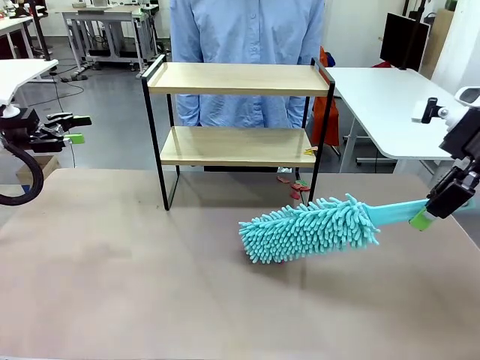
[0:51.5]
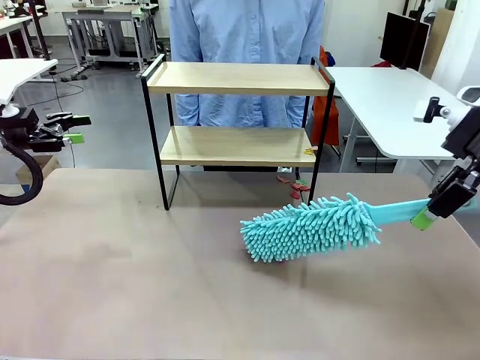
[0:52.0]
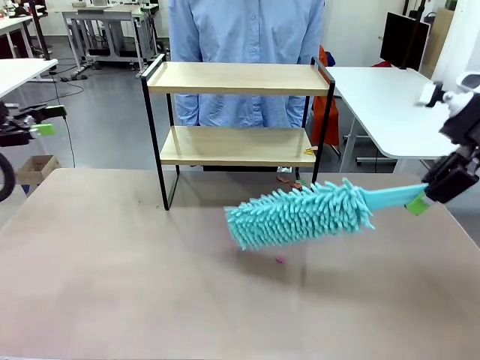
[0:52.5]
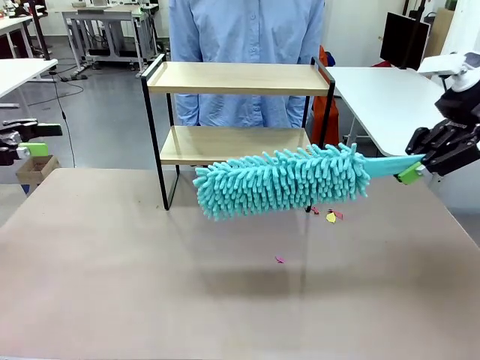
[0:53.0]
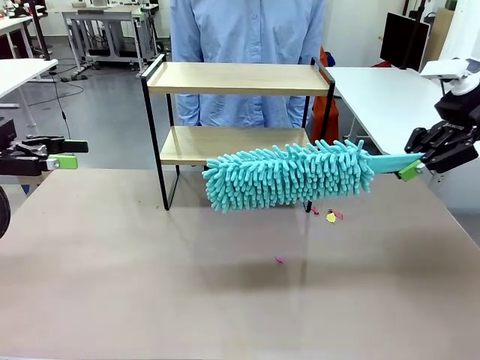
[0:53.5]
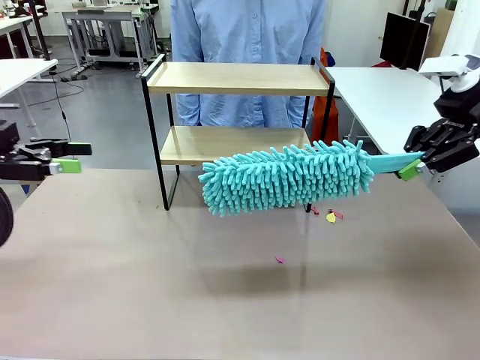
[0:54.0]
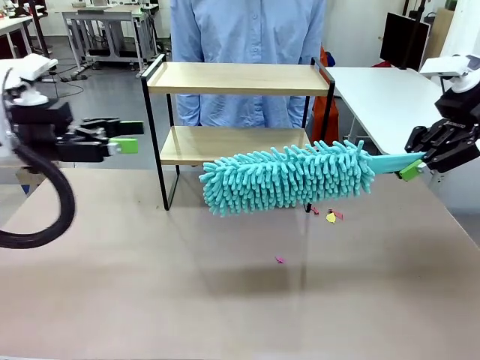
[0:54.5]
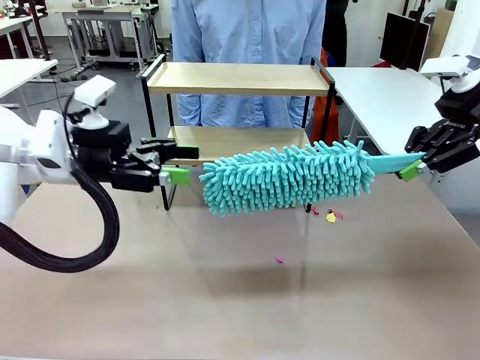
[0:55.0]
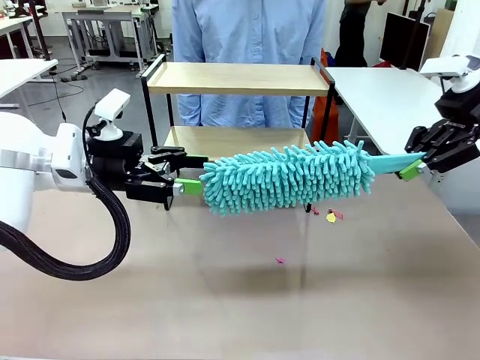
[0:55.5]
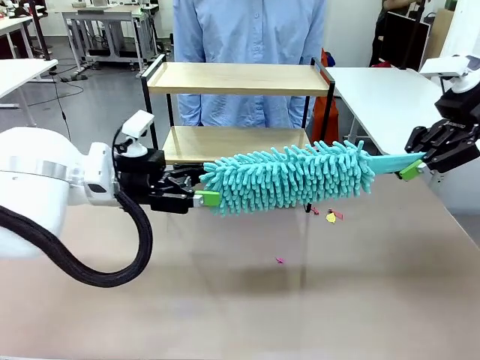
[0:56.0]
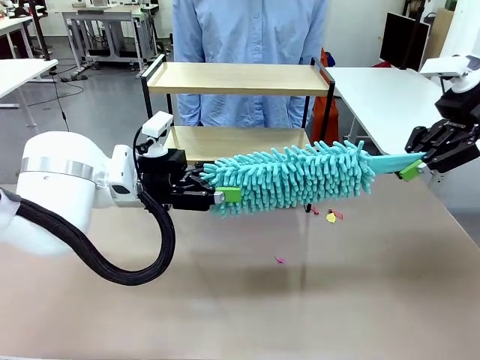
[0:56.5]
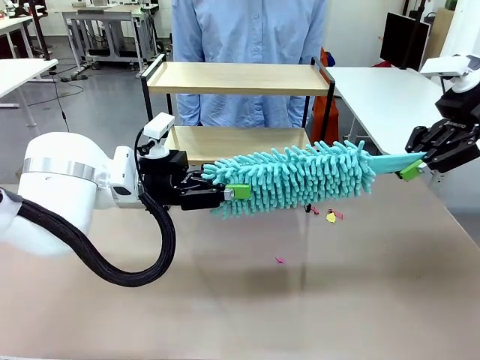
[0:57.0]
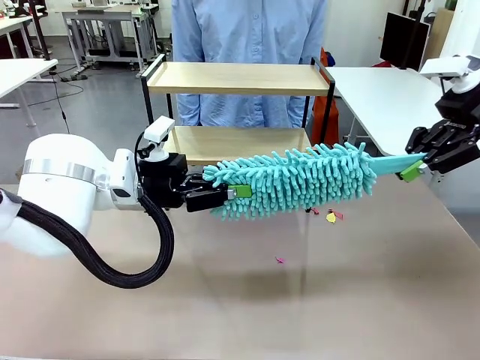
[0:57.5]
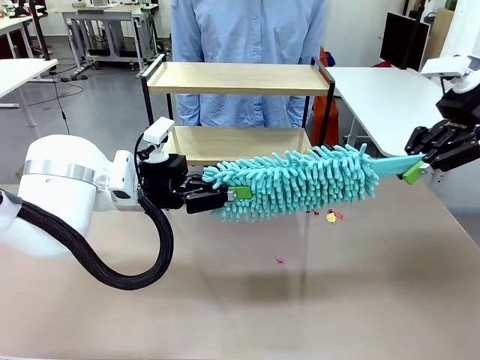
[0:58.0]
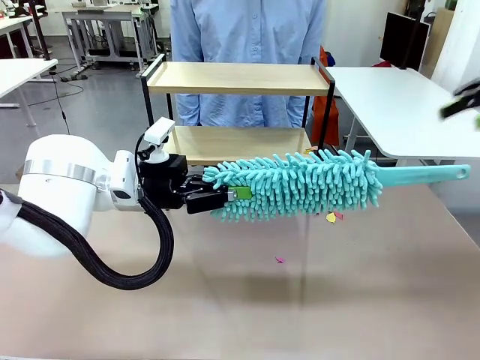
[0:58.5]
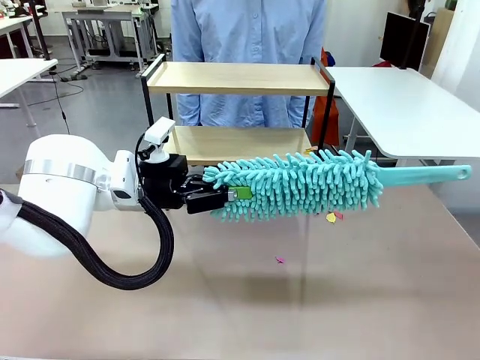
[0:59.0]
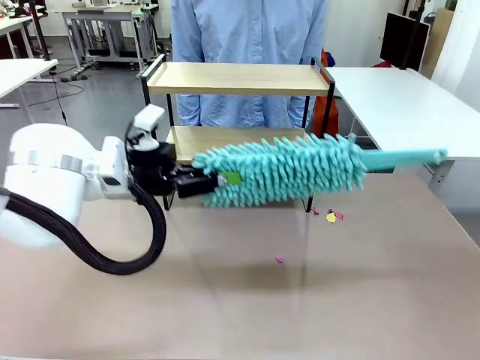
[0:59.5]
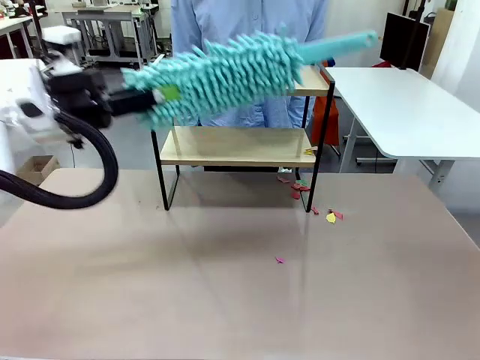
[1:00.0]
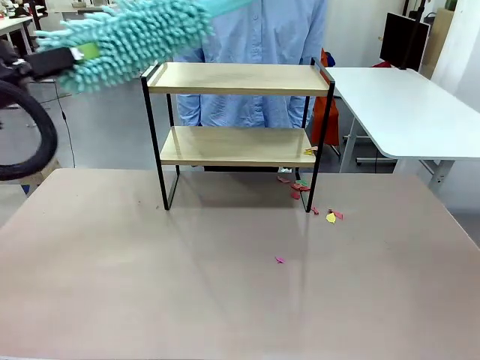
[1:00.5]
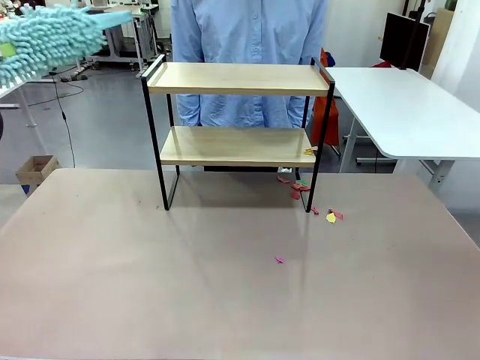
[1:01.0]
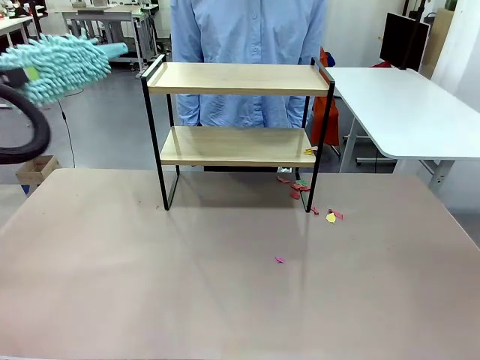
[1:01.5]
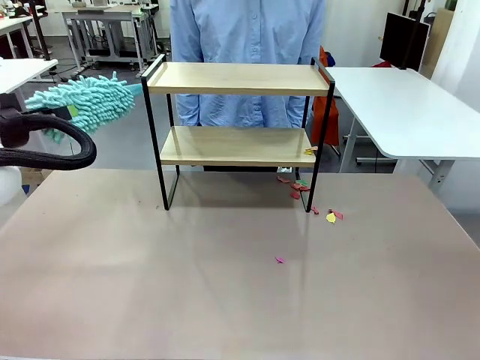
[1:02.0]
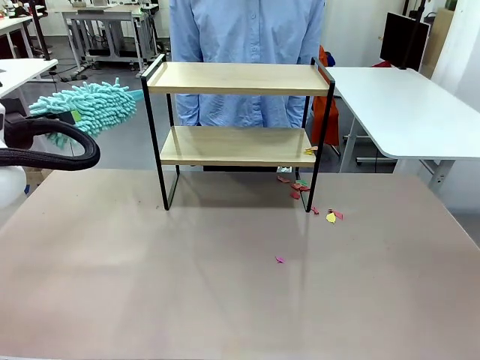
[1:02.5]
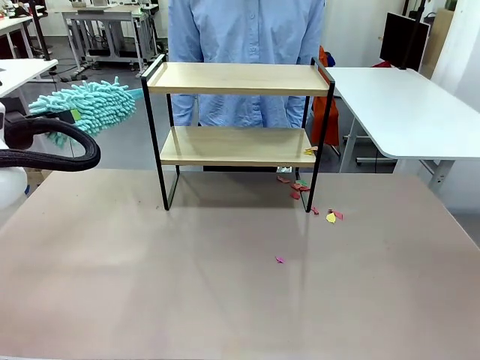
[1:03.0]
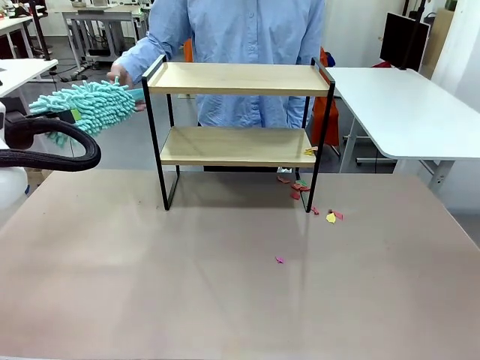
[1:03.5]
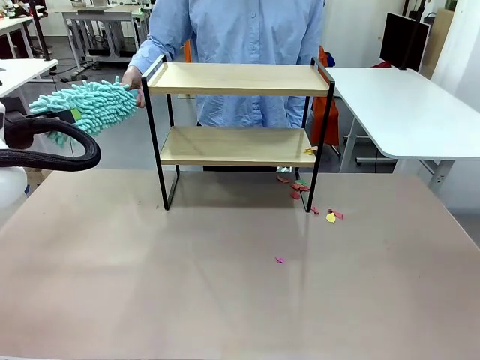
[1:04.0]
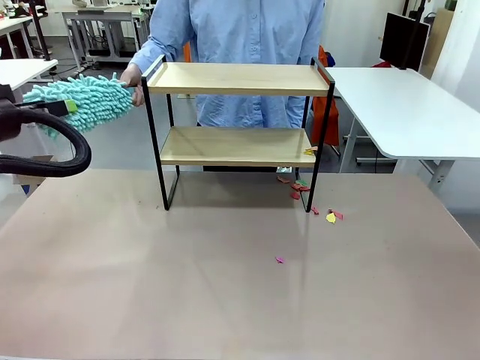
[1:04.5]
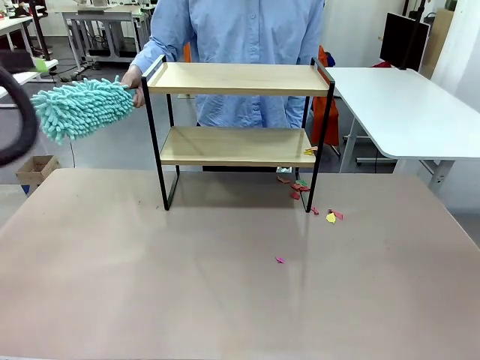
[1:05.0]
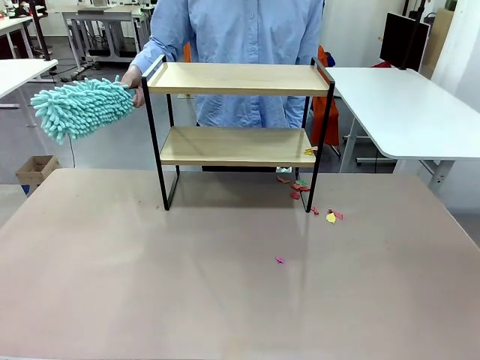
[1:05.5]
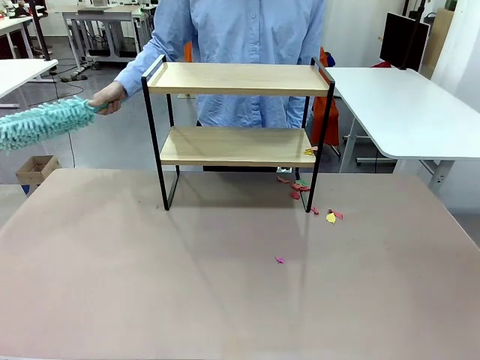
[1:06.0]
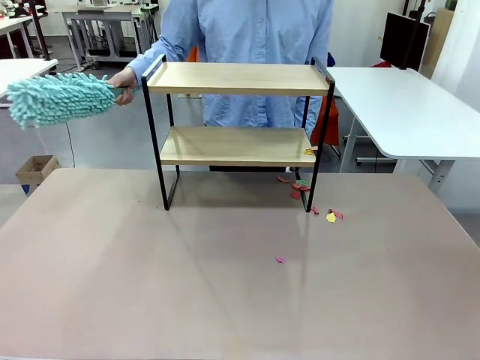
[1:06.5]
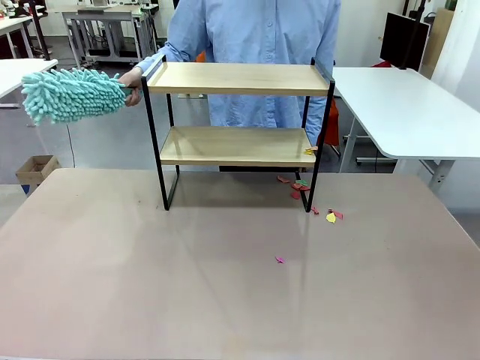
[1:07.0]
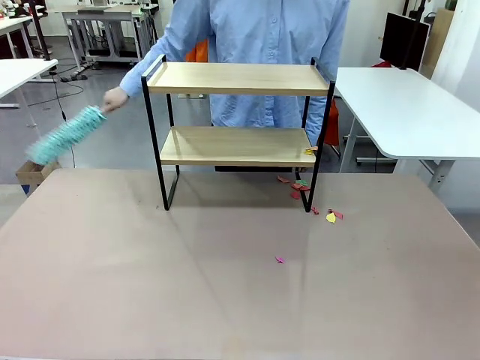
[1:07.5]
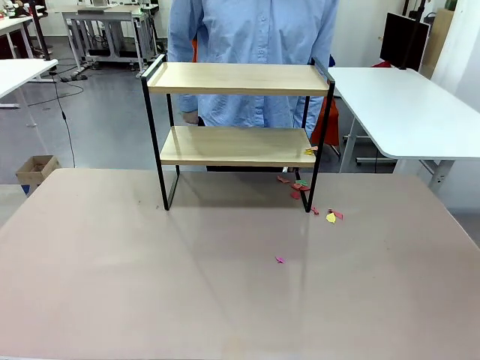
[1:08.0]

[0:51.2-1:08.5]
Task: Clean the shelf.
Robot: Hand the Duster back to the human.
Person: Receive the Duster from the robot.

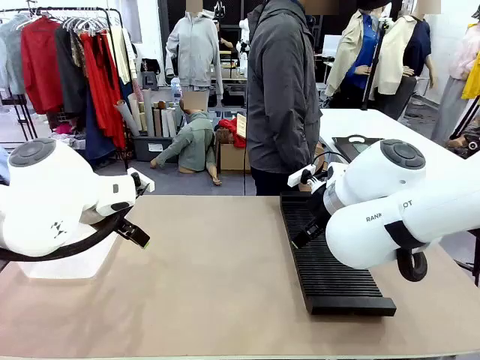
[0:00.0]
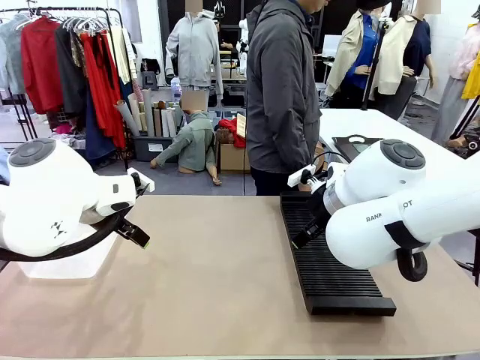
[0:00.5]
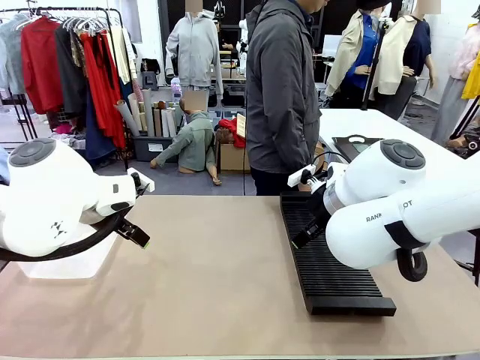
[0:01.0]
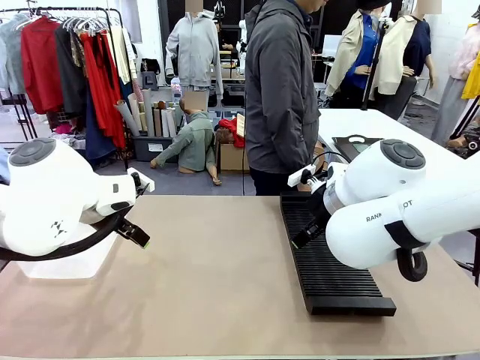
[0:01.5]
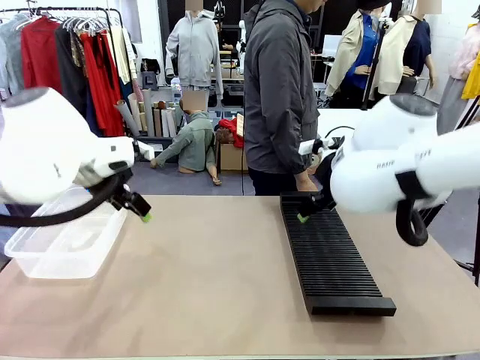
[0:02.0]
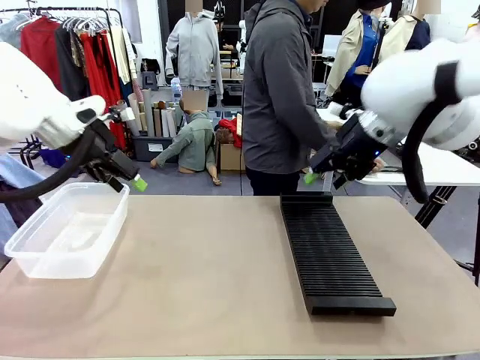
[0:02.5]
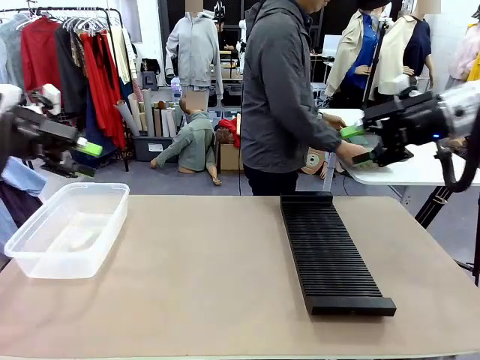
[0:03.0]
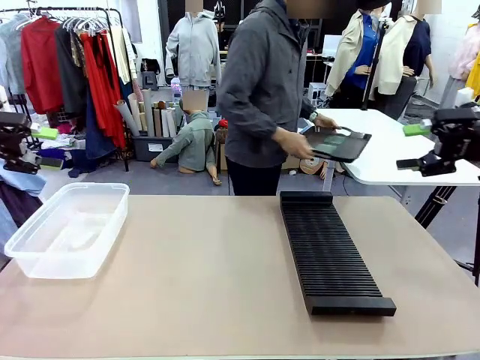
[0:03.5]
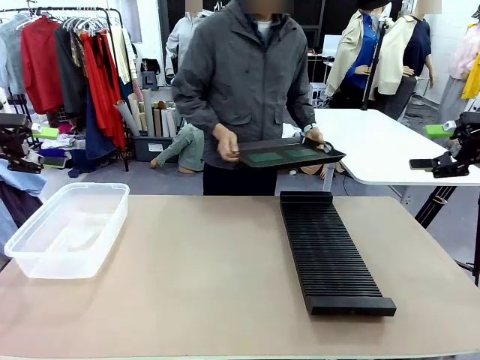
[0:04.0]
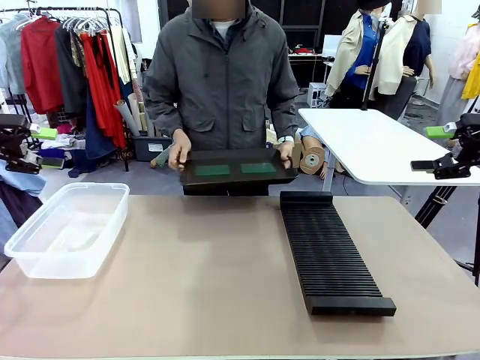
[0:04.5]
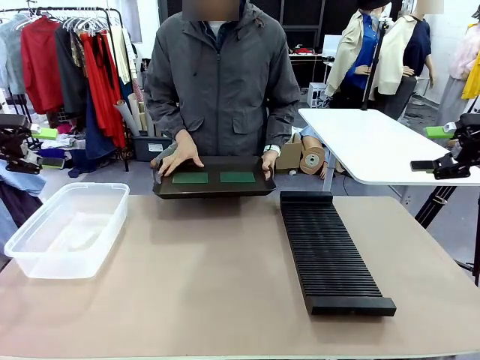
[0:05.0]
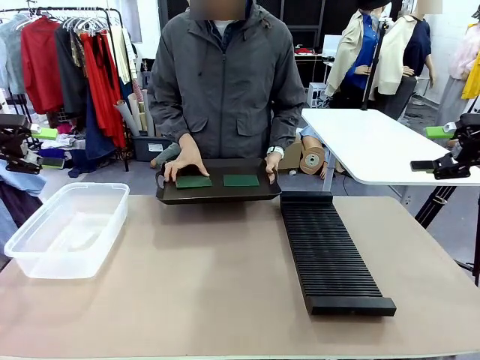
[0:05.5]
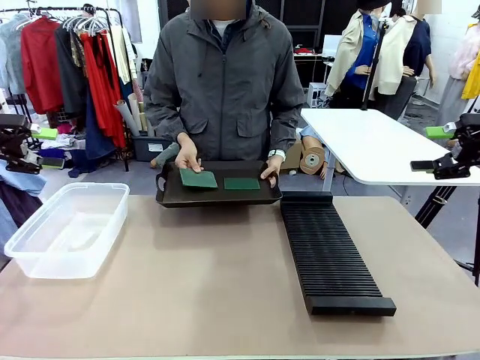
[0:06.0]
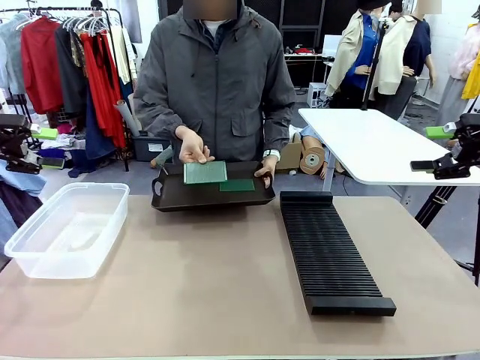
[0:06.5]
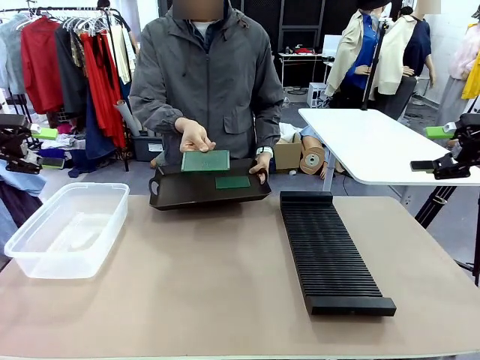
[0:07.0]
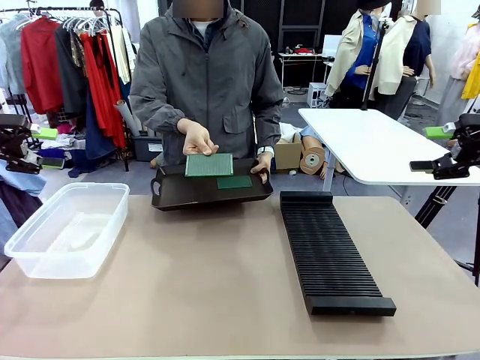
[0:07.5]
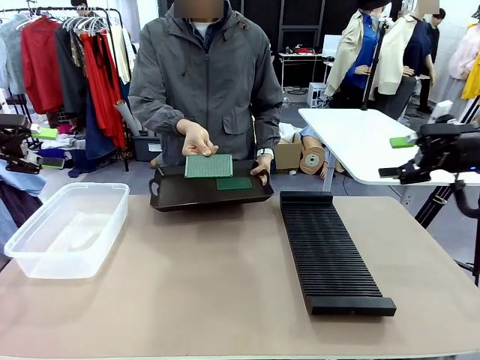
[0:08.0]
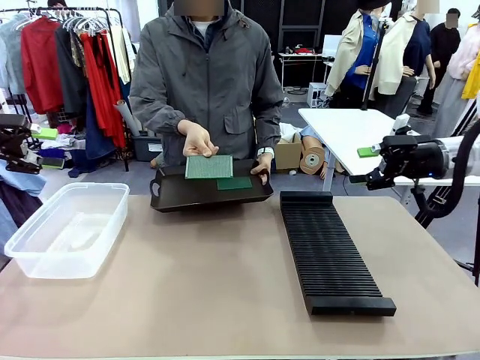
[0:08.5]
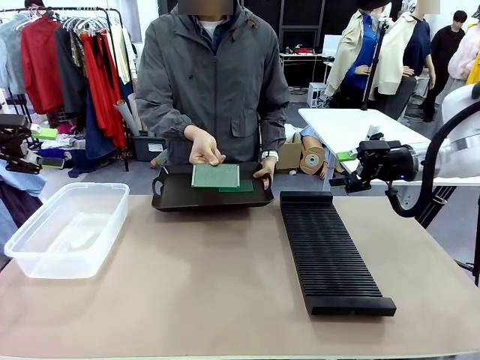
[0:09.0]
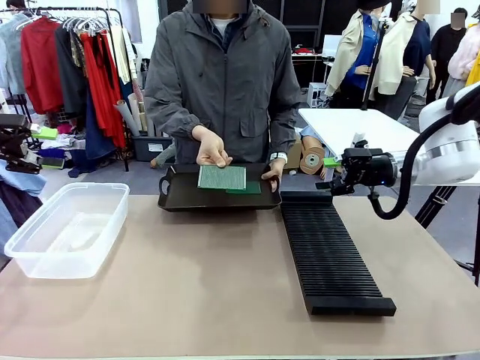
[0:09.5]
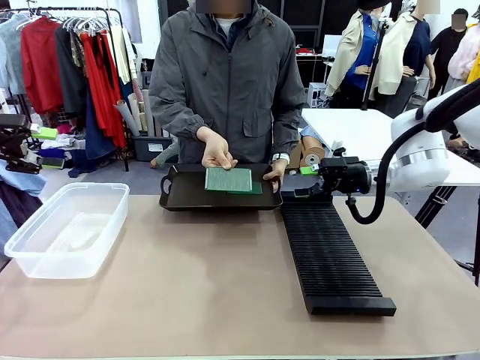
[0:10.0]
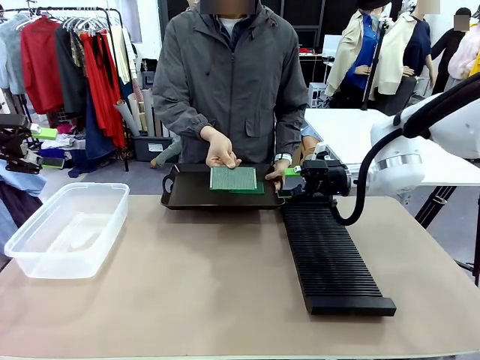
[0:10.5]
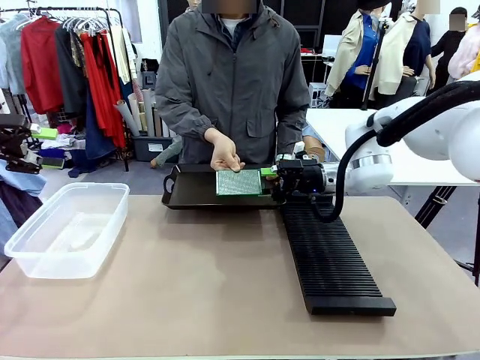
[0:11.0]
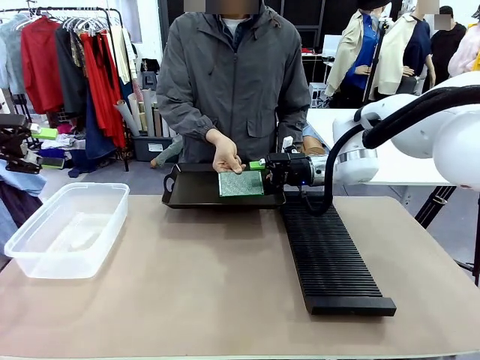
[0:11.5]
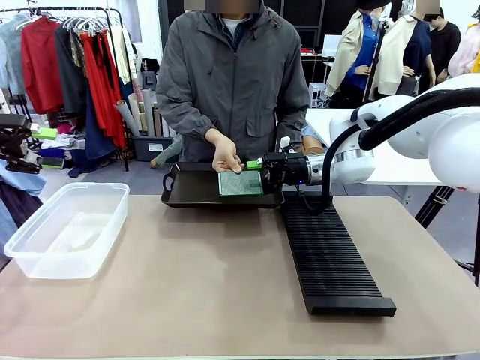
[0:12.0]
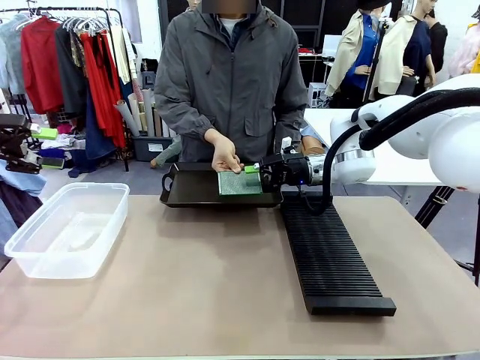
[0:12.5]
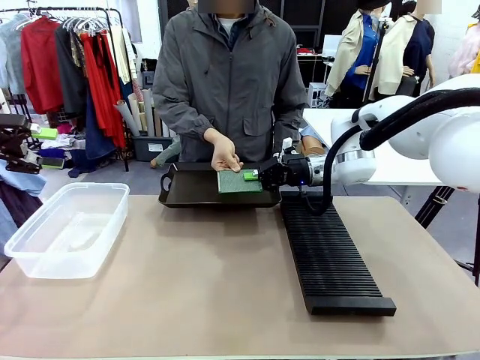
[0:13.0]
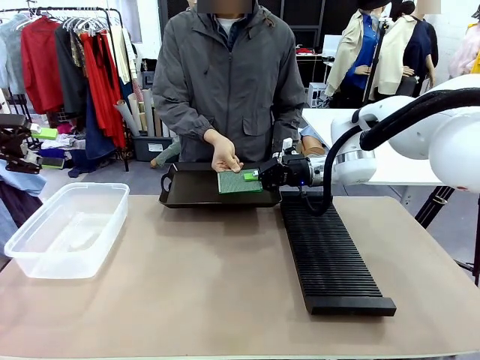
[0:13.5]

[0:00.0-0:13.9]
Task: Sort PCBs into racks and boxes based on the side picked up.
Robot: Pick up the Blank PCB handed by the Human.
Person: Pick one PCB from the tray and present it to the robot. Release the PCB being held.
